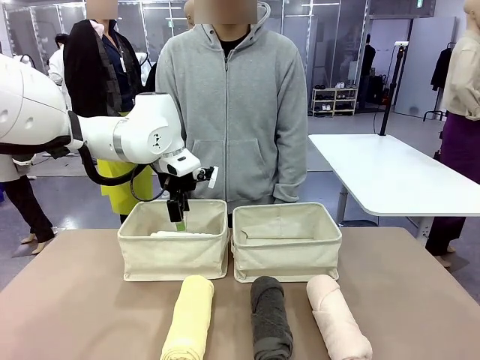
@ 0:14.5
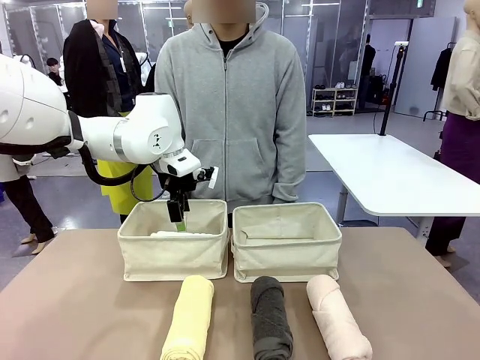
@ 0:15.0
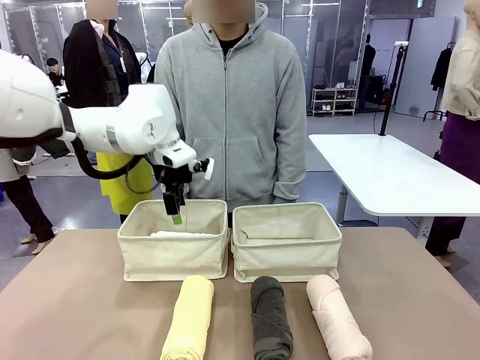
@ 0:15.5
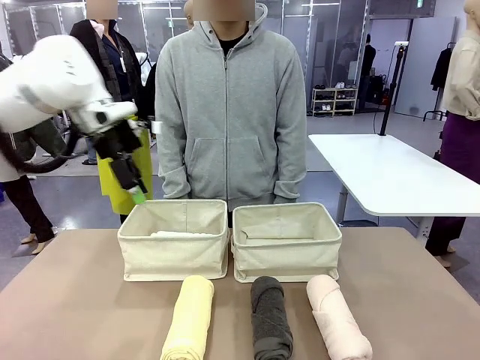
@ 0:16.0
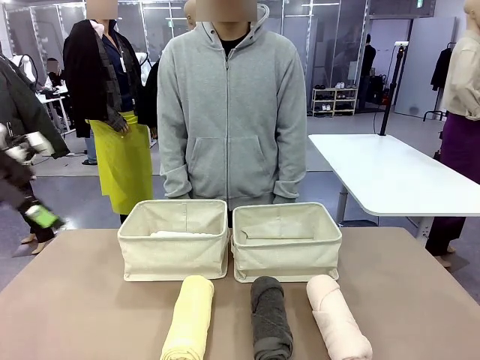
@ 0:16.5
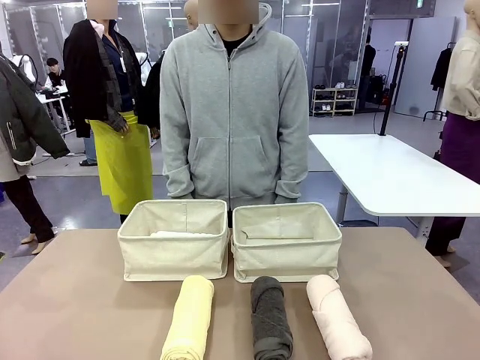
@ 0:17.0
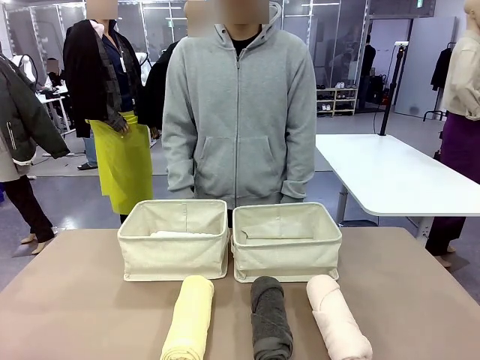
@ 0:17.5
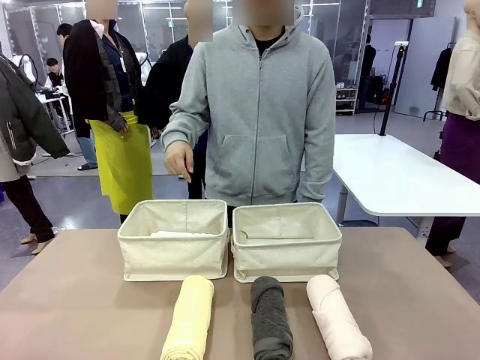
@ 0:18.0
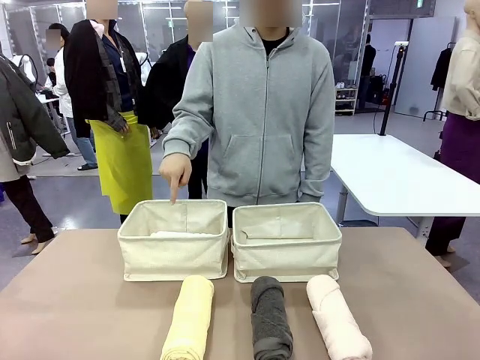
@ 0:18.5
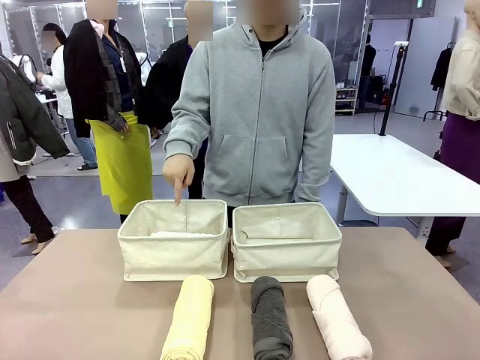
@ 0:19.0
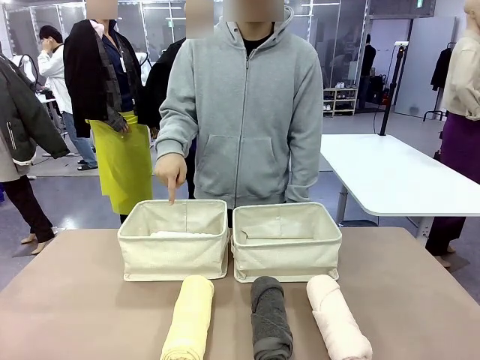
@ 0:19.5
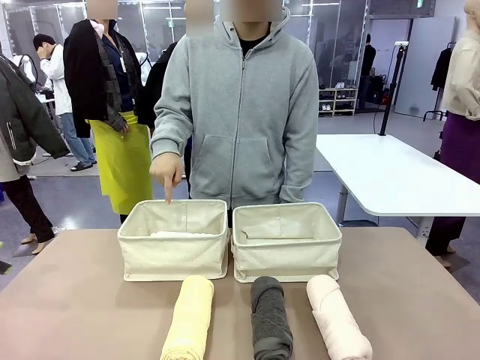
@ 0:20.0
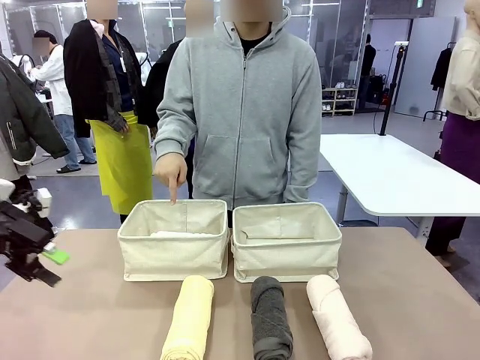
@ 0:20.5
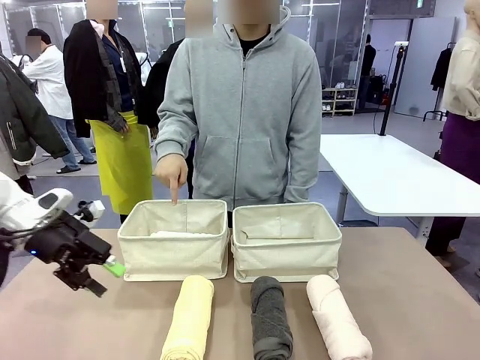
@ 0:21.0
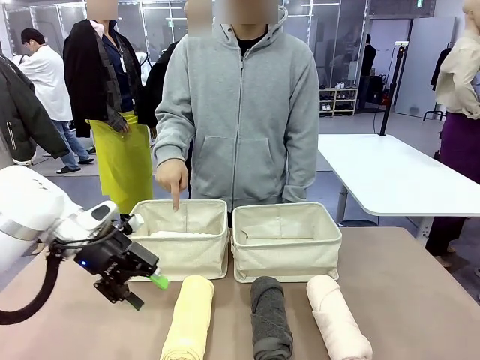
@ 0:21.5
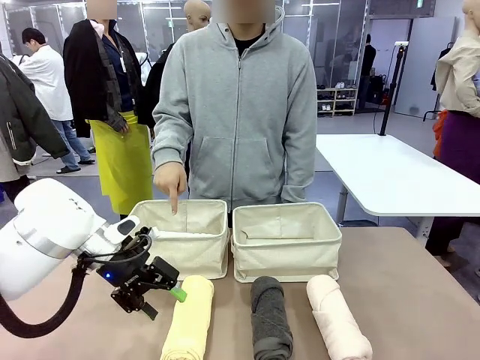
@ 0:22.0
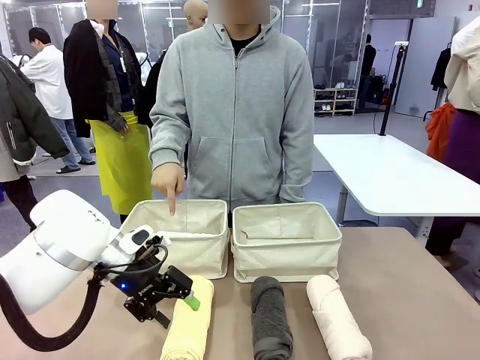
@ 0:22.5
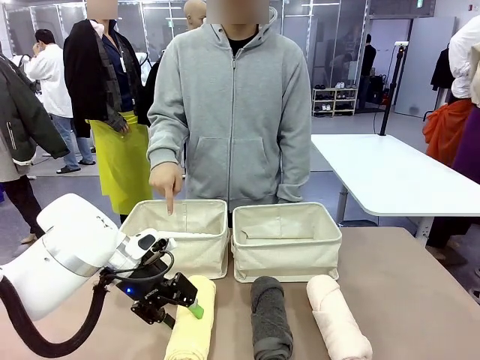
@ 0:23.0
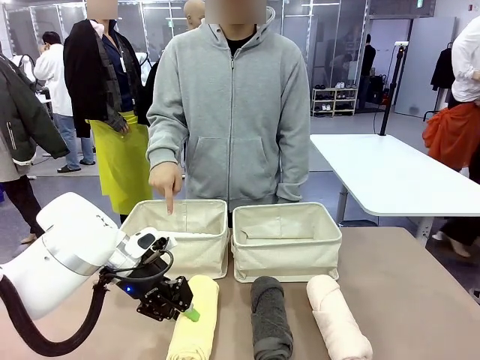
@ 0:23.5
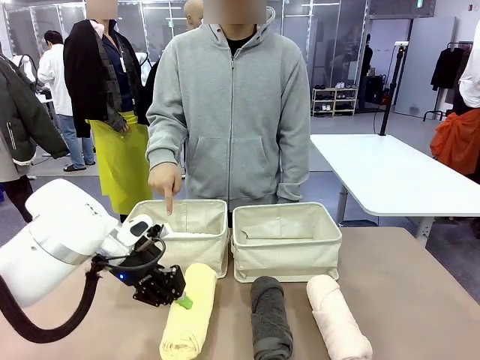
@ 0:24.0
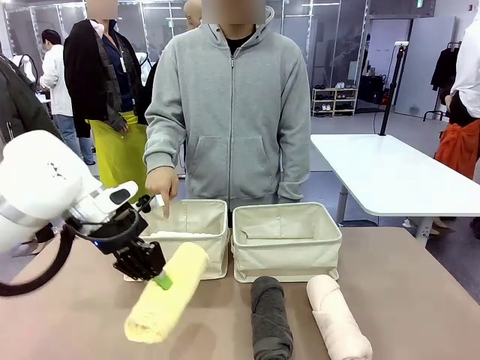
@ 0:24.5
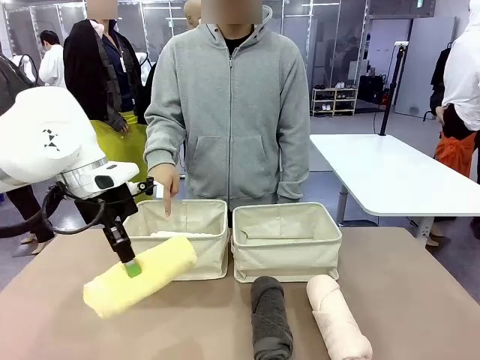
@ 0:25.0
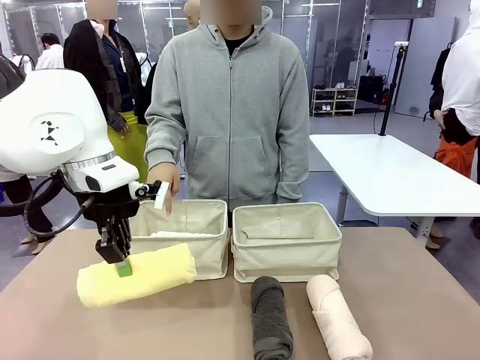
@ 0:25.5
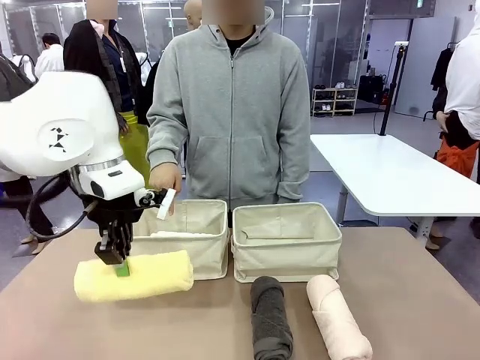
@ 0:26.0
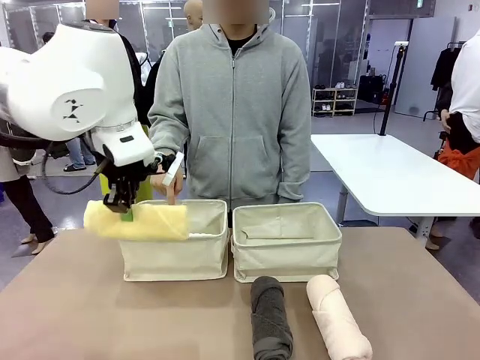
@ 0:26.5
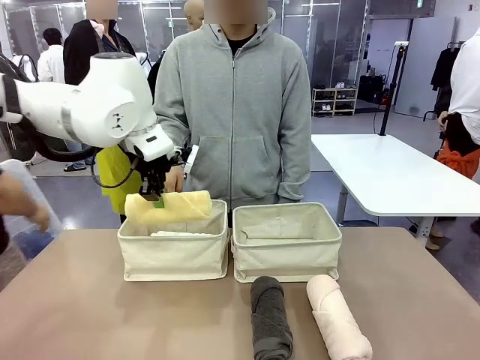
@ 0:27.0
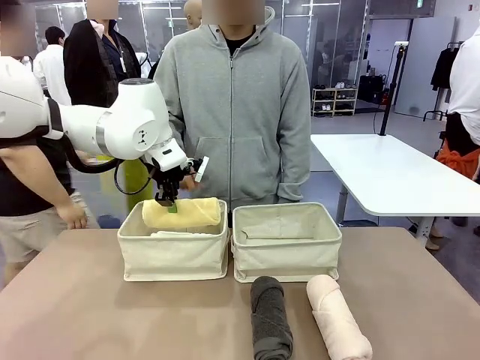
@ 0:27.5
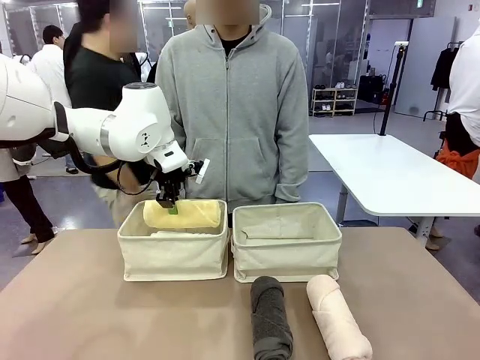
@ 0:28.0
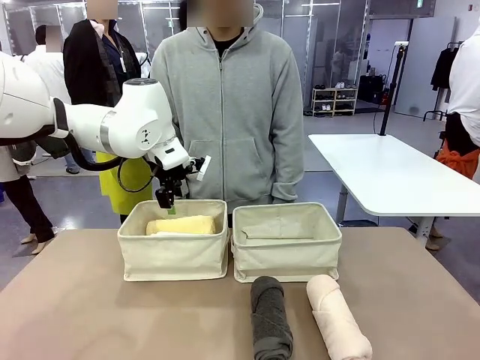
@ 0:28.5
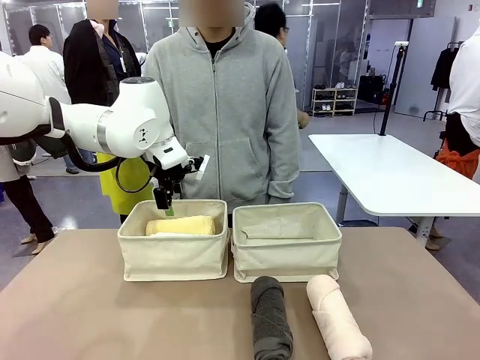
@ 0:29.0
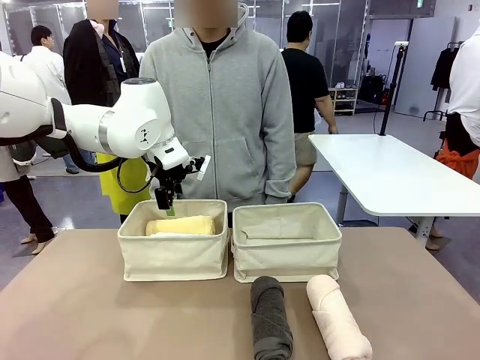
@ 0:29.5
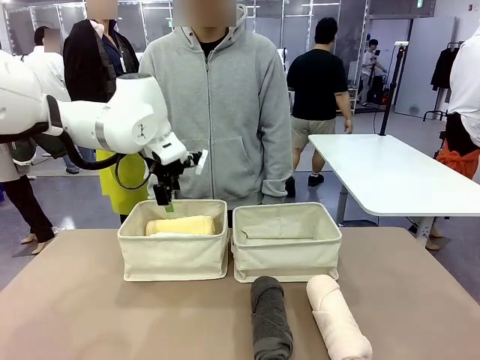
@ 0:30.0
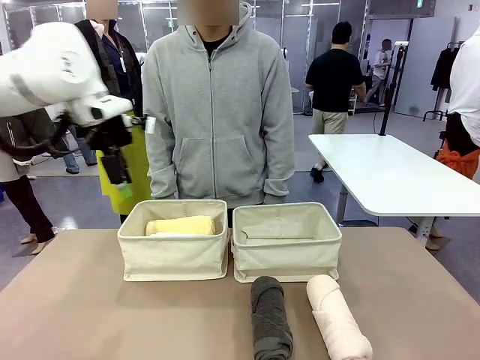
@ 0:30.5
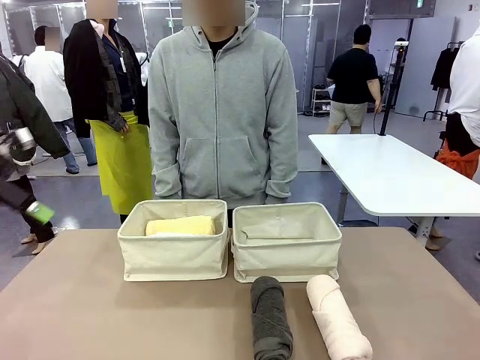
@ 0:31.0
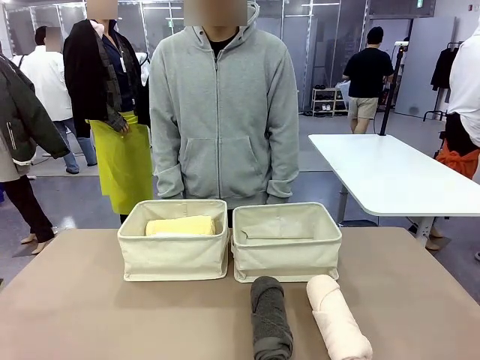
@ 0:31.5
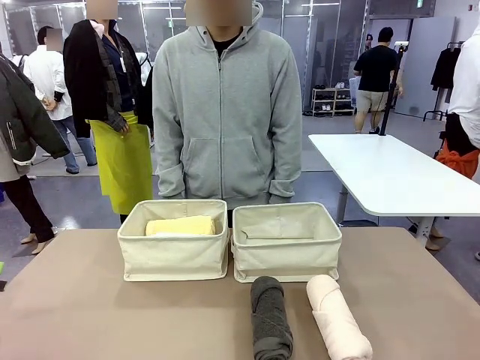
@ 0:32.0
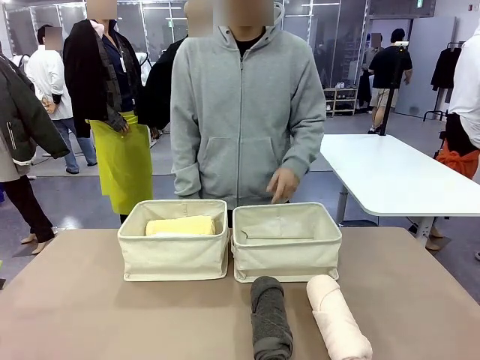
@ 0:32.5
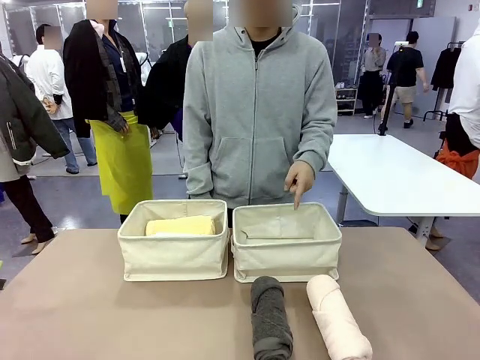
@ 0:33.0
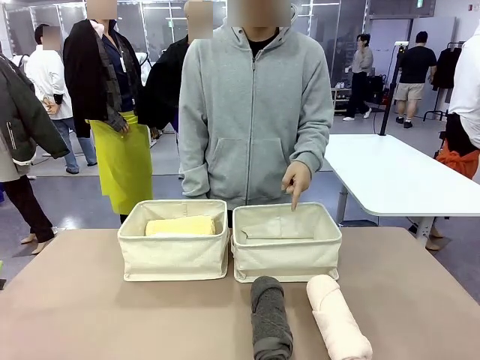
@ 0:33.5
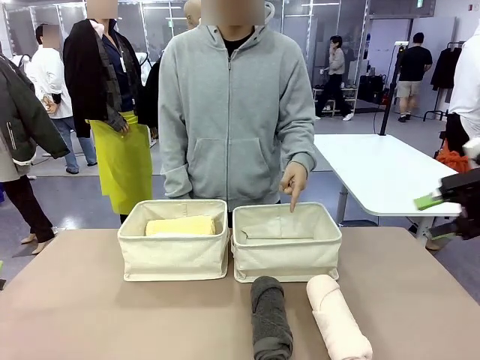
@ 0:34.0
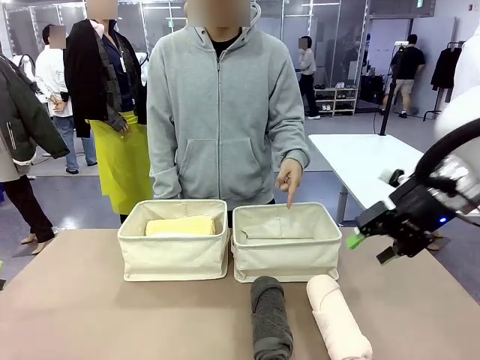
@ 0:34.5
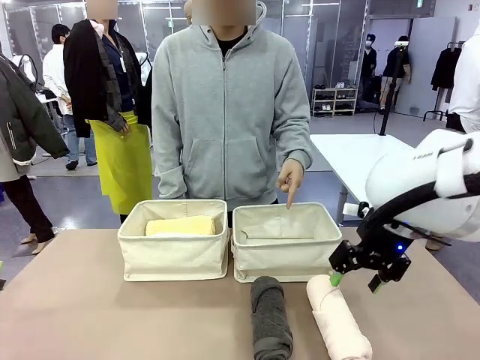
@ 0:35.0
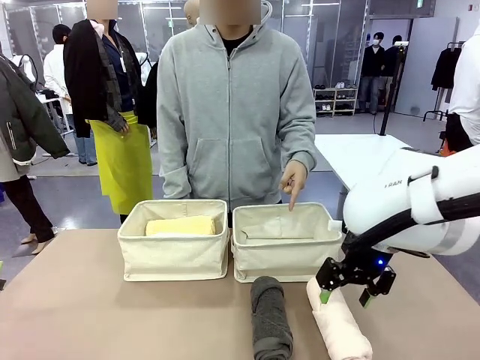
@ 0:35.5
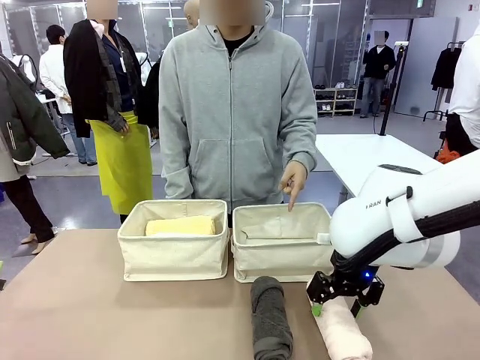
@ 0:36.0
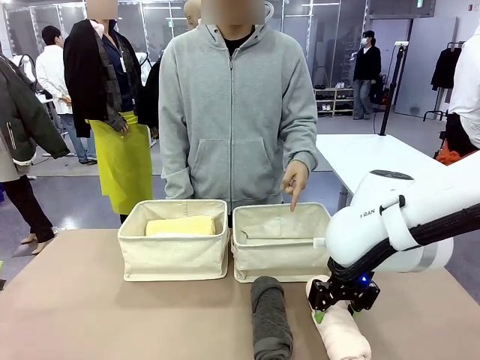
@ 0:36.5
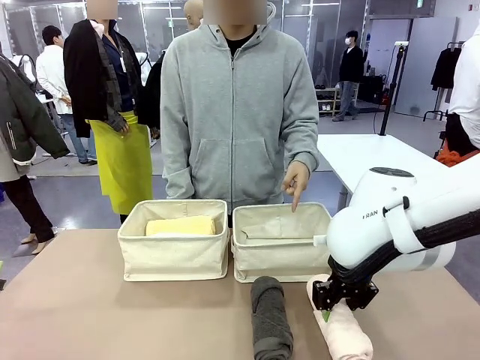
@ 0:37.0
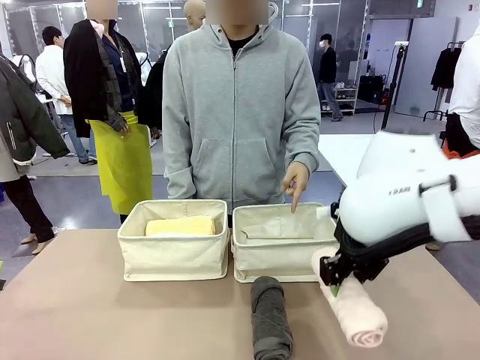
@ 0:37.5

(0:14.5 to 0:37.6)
Task: Divide the towels into two baskets.
Robot: Pick up one hotel-folded towel from the bottom of the table and place it in the Fabric basket indicated by the person.
